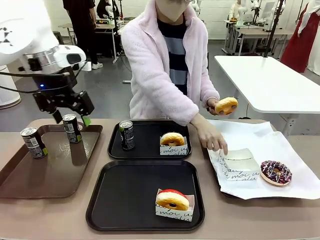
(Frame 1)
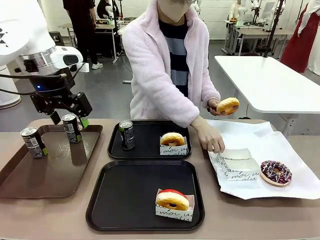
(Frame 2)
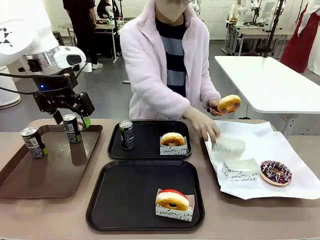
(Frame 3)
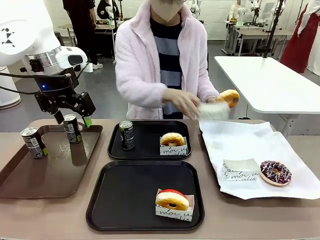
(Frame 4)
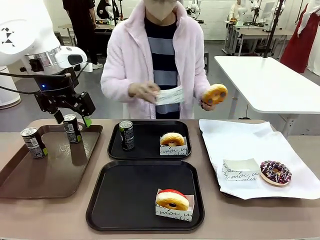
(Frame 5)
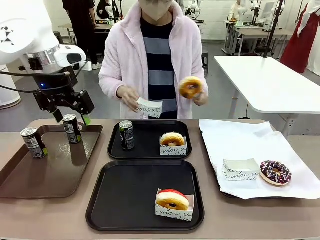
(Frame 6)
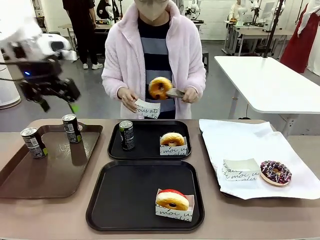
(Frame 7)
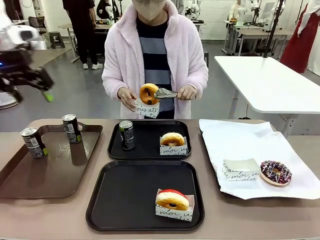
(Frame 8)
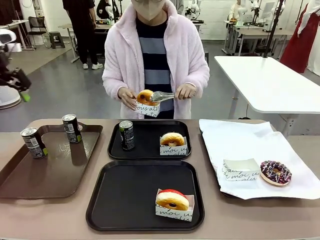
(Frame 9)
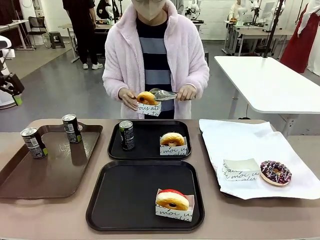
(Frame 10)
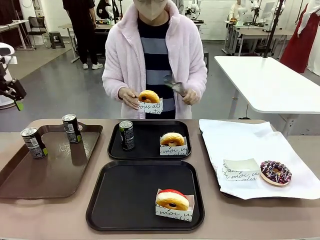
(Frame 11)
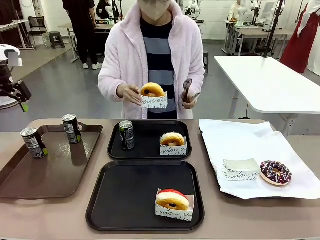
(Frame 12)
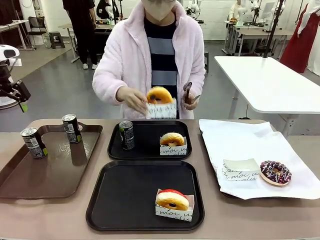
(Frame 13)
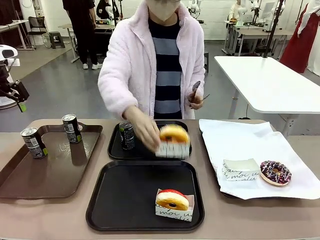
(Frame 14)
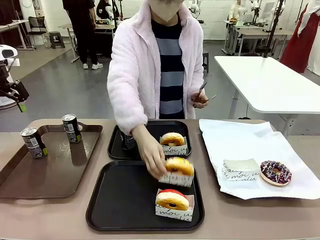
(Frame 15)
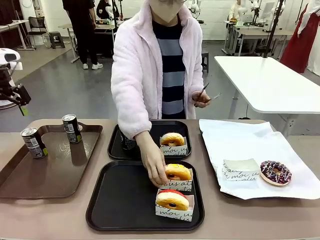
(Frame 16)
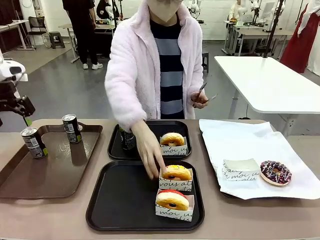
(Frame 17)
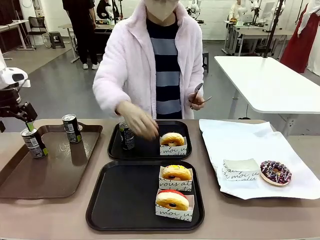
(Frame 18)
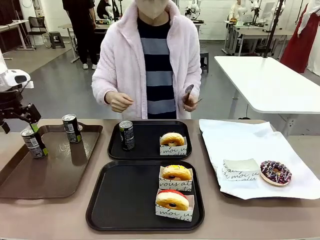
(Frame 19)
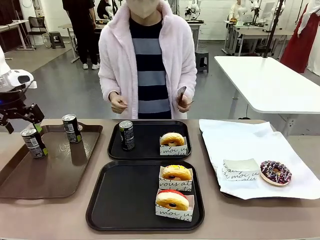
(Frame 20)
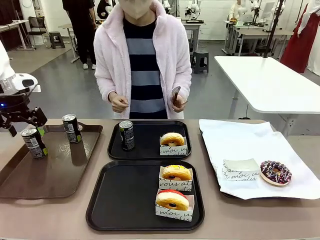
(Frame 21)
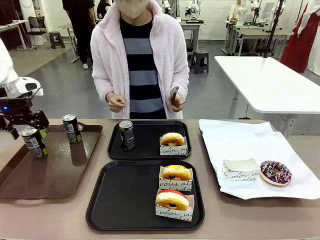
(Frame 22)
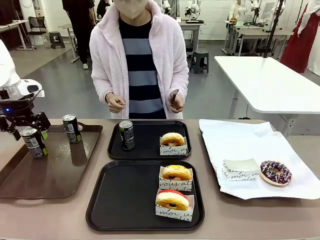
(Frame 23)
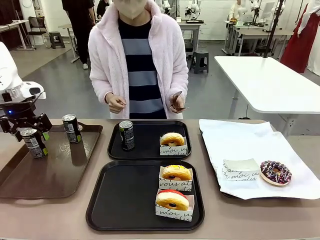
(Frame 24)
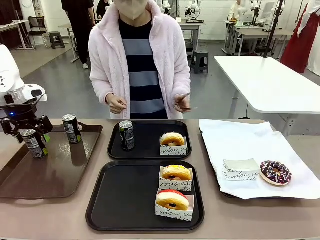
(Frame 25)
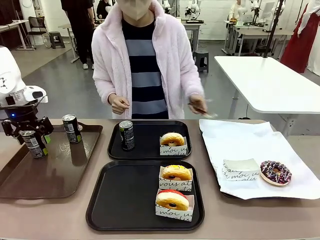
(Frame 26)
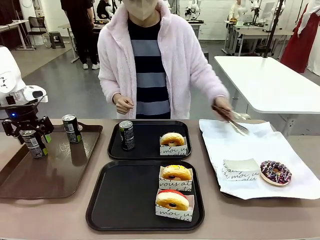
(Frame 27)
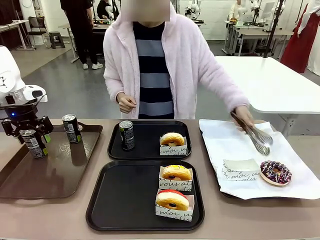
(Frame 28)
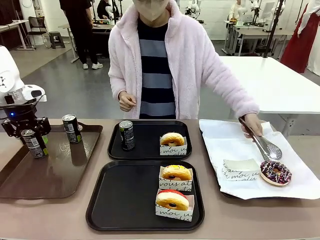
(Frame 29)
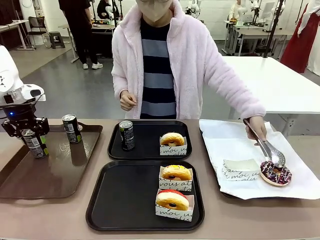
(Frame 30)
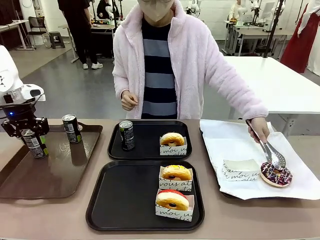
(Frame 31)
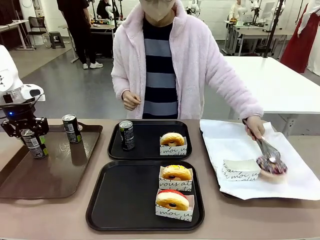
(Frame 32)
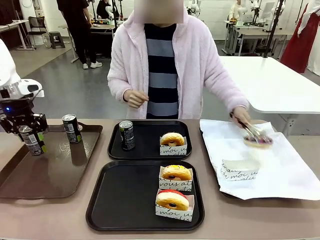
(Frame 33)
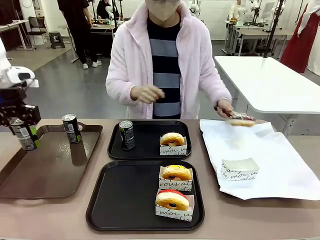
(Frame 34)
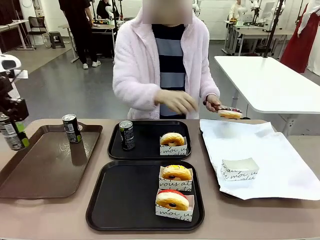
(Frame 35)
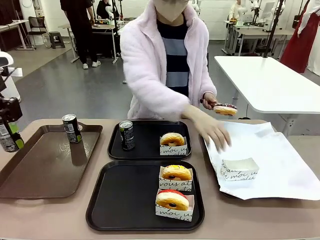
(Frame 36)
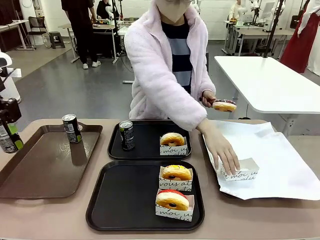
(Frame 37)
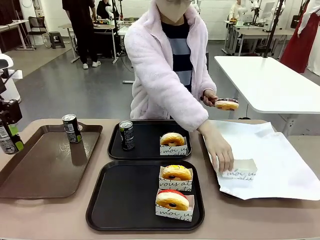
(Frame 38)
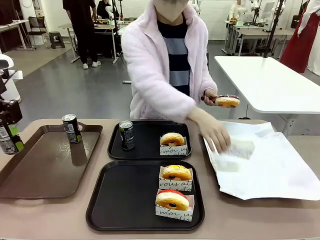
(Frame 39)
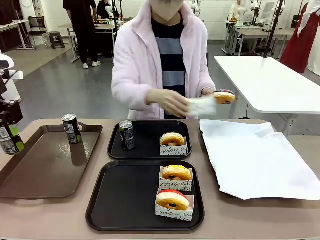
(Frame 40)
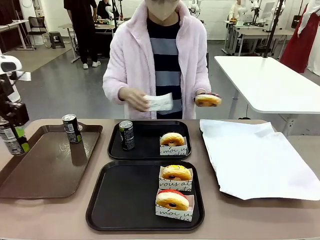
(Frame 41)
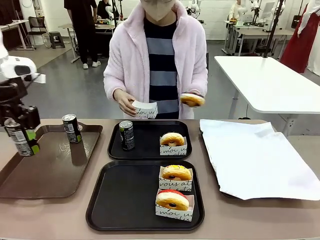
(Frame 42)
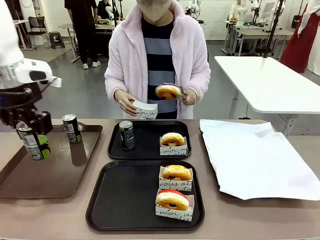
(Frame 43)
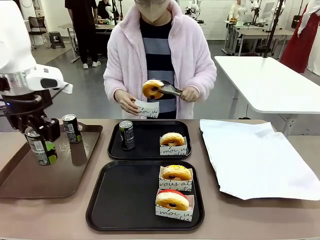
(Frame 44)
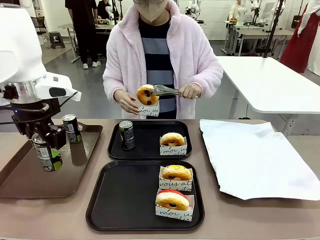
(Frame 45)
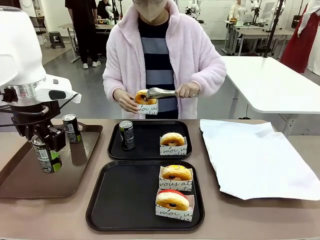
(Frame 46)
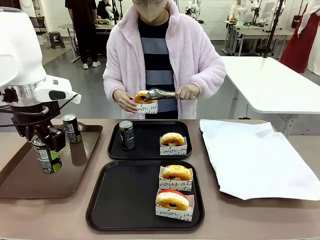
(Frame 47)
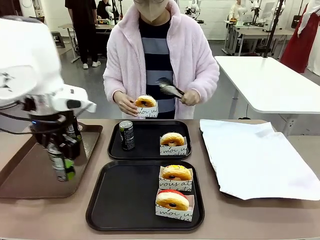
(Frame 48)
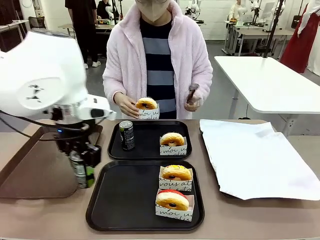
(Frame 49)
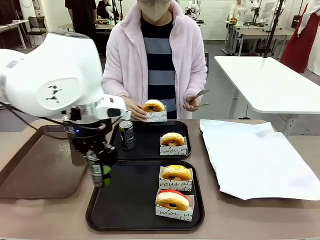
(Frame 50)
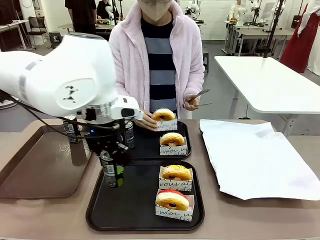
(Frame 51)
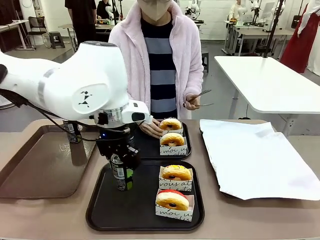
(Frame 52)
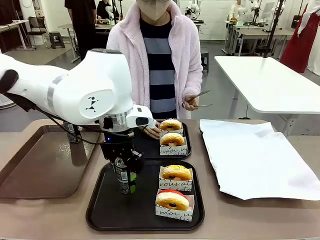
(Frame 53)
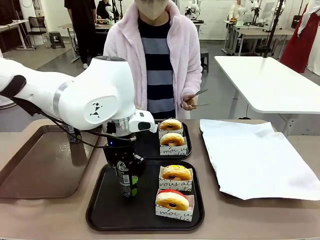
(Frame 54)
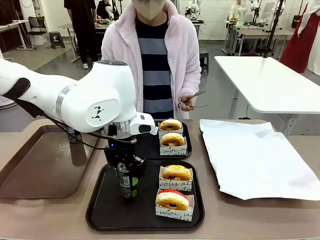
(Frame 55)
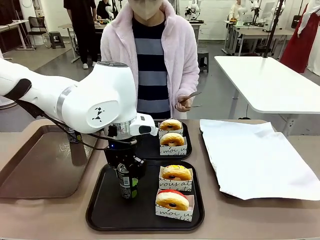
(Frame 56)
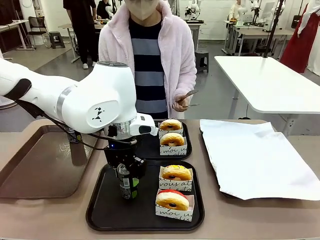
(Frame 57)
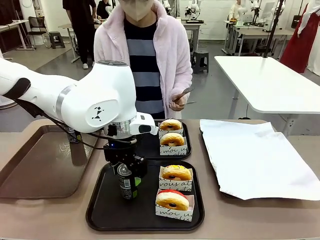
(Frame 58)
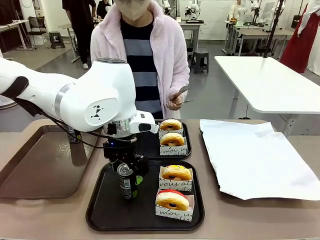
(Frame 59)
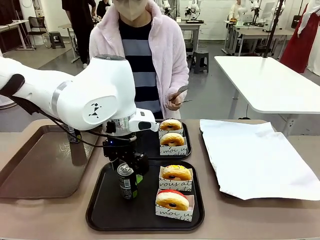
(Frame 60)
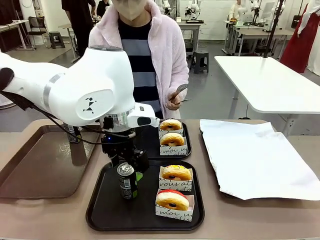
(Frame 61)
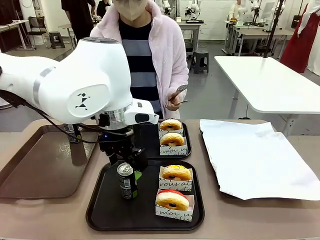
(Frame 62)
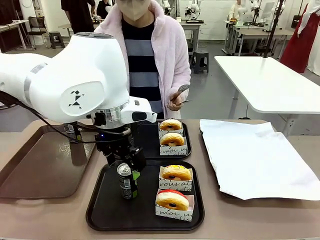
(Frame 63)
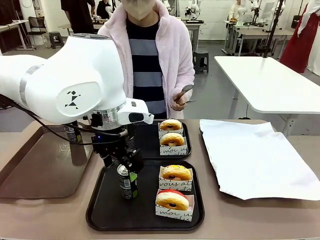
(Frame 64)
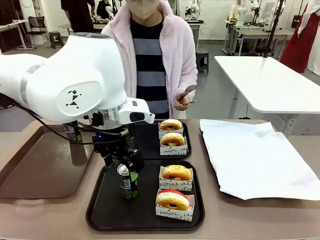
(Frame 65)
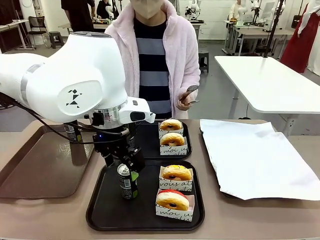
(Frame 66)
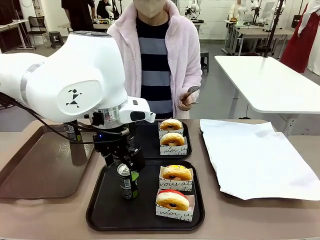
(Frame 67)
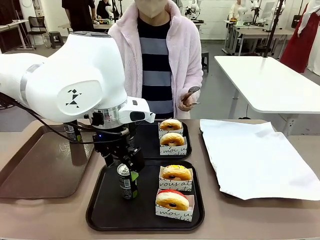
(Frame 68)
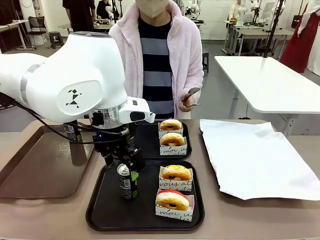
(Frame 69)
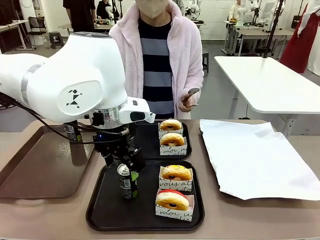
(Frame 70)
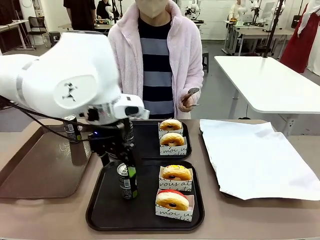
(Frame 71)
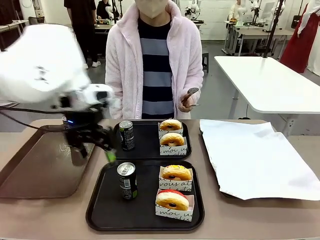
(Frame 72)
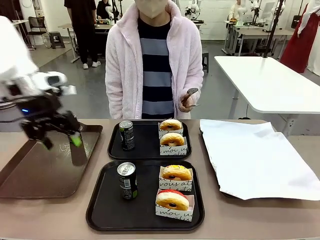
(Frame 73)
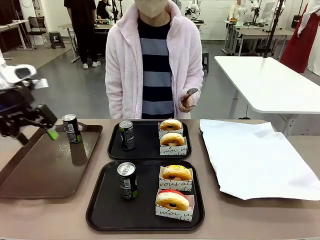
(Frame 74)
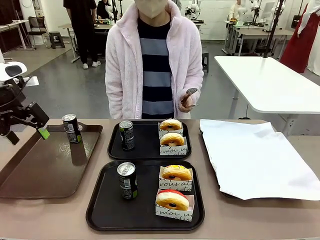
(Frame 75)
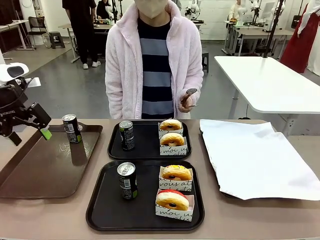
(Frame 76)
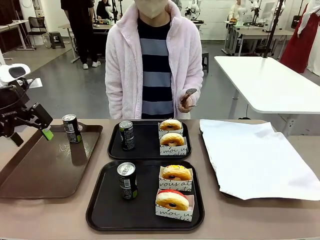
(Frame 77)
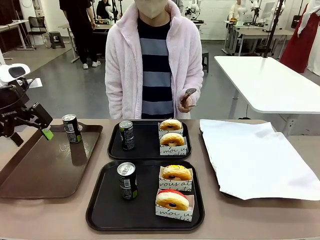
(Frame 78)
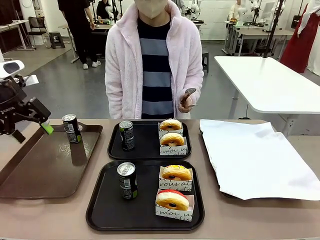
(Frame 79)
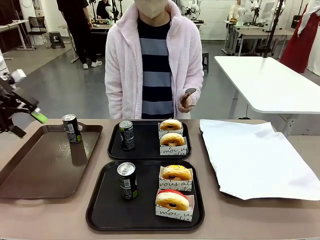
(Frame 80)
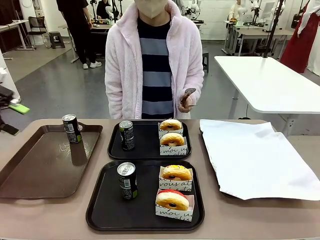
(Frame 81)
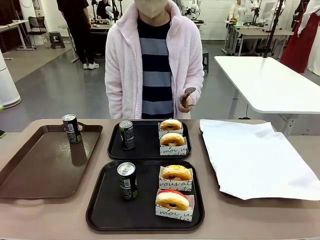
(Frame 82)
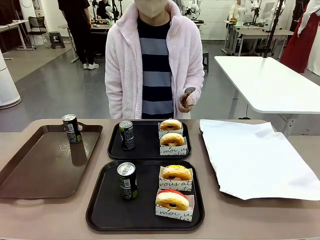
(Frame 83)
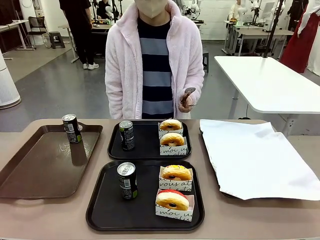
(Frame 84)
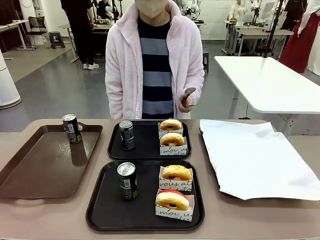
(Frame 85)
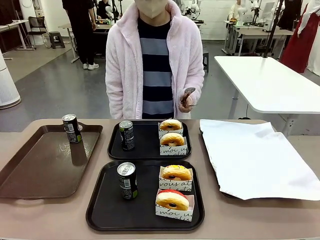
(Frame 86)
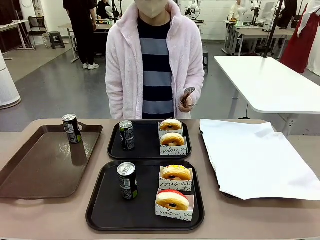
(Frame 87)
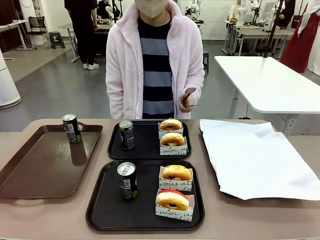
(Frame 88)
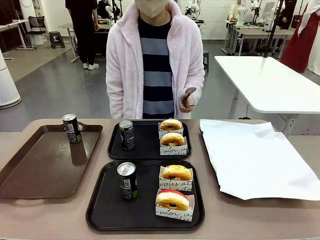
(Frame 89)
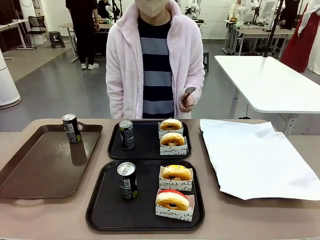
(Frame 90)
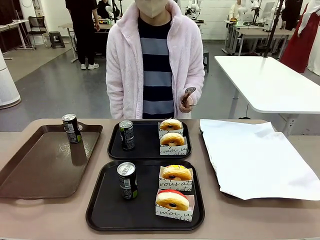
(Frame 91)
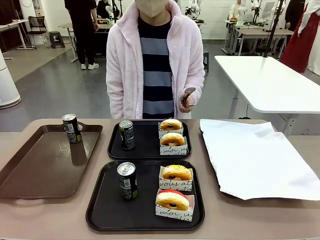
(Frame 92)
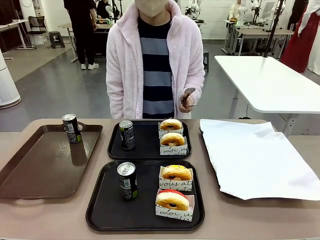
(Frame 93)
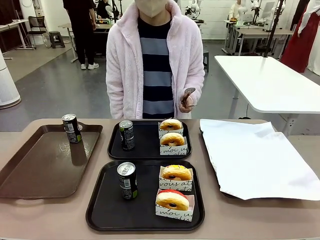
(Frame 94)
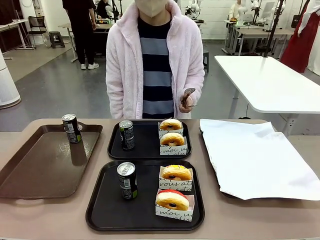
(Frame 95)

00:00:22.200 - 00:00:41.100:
Task: Set up donuts and drinks on trays.
Robot: Pick up one Pepsi coke from the Handle tray and place it on the Flat Tray without a Pepsi coke.
